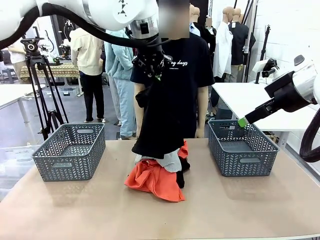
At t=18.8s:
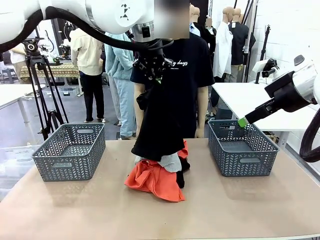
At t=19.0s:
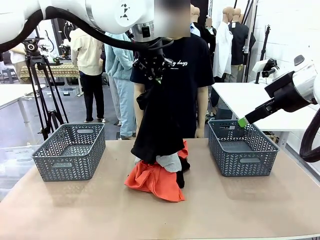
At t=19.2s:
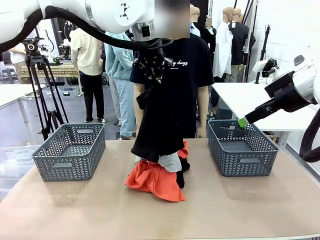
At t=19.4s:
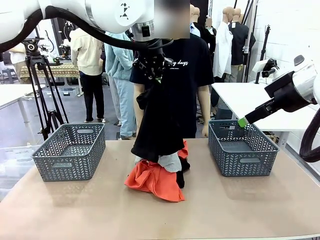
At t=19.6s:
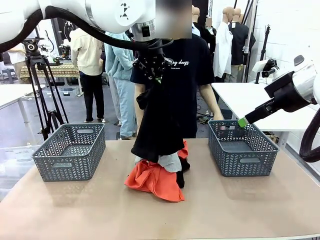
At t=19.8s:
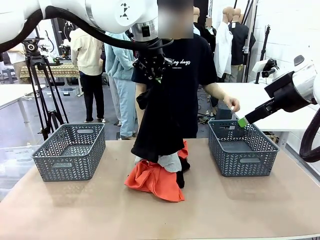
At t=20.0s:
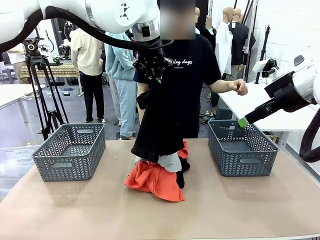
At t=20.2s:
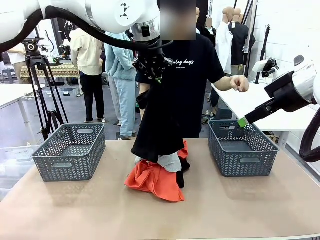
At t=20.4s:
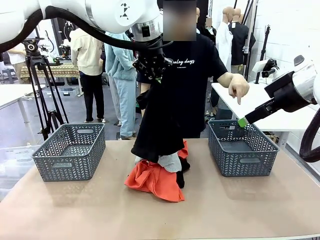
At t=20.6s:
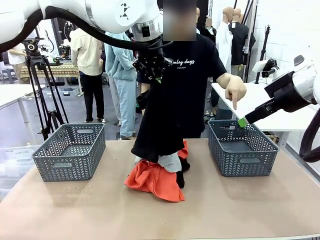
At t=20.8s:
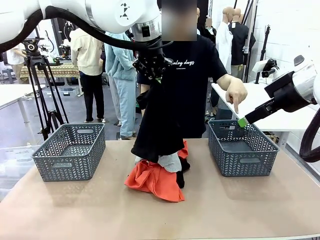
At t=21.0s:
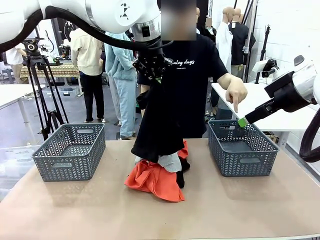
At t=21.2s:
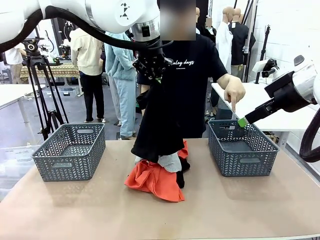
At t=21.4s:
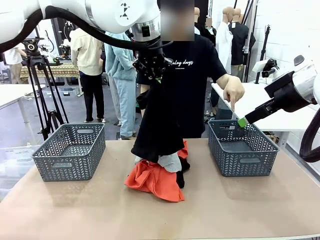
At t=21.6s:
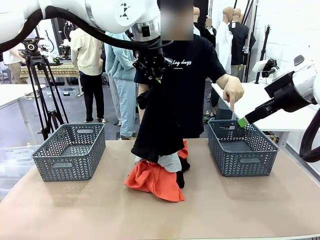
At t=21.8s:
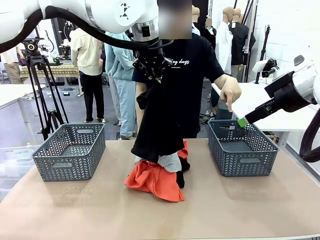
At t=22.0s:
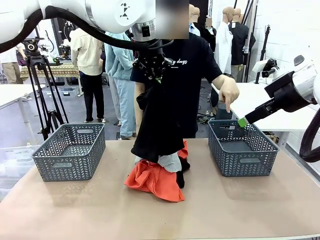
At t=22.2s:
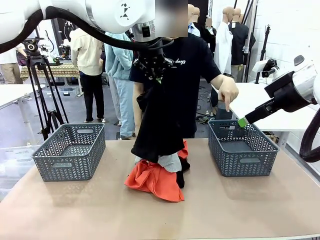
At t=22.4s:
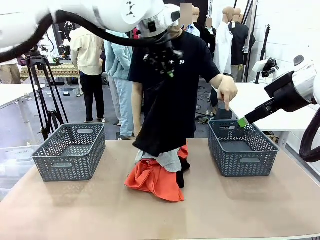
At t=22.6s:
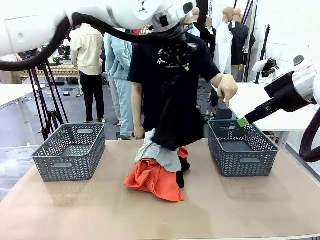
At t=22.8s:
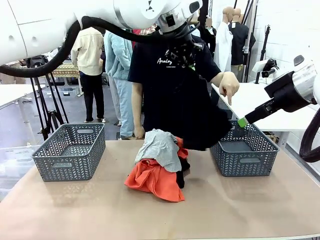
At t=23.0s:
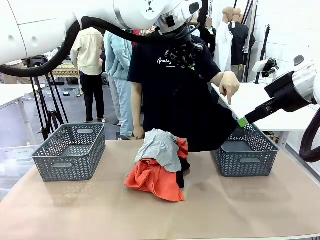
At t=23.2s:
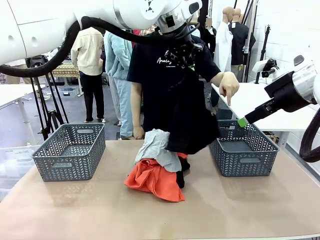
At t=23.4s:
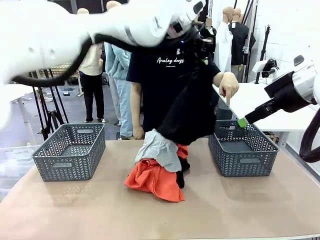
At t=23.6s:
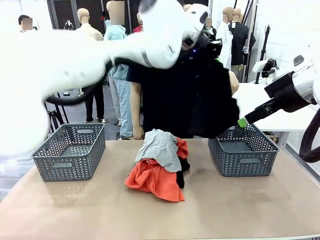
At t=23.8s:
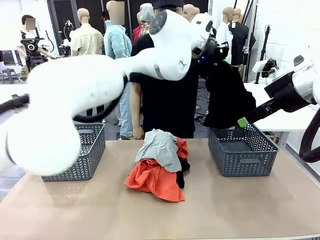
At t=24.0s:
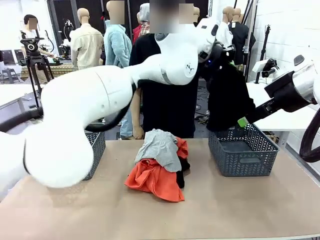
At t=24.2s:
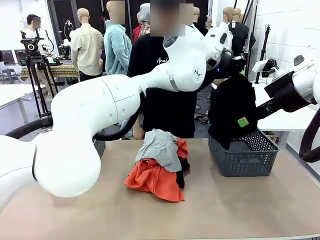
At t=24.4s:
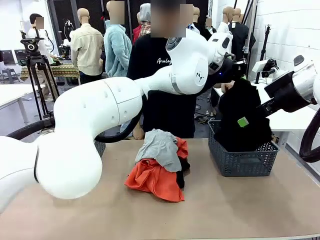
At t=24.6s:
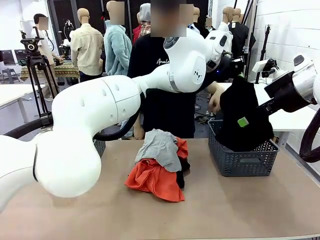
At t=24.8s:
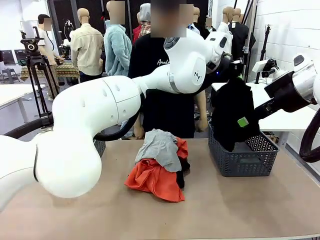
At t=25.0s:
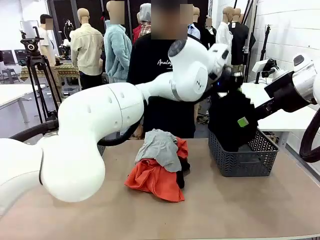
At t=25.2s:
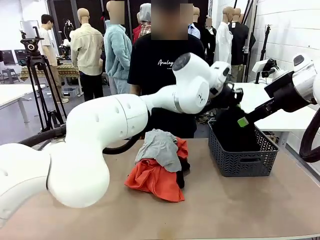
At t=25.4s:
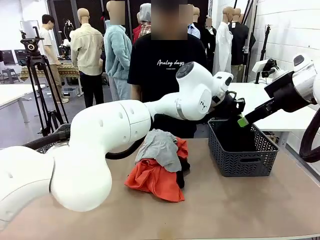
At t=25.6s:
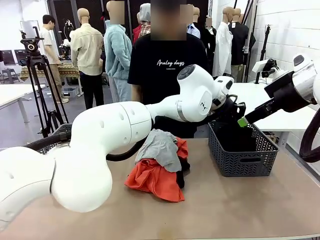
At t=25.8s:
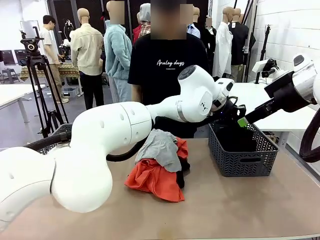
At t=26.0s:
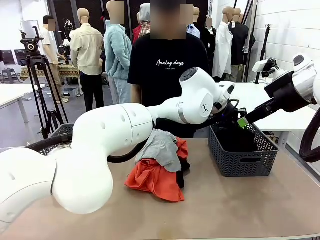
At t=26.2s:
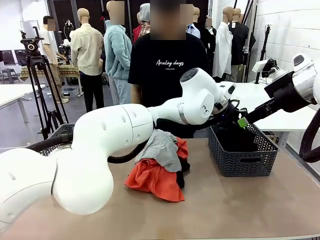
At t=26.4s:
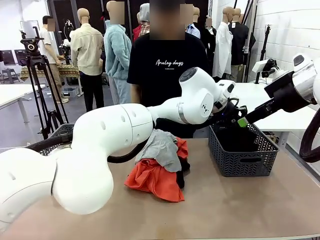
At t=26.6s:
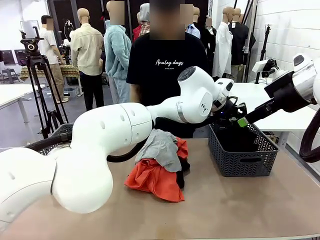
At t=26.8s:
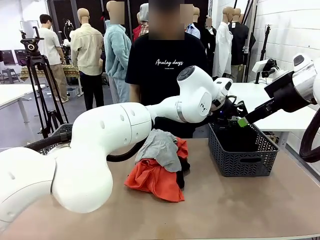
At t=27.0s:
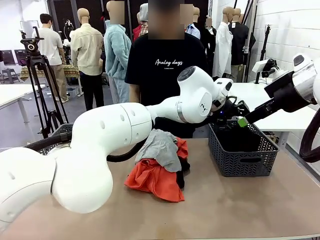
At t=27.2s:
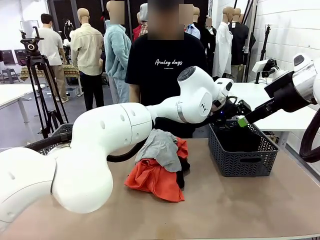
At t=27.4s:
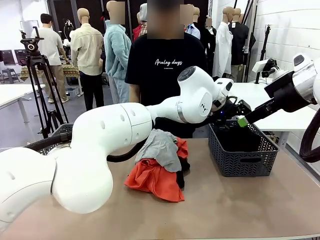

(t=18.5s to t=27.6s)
Task: Sort the tops and bottoms.
Robot: Sort the clothes according to human instructions.

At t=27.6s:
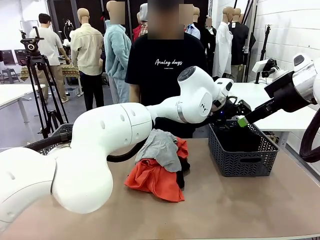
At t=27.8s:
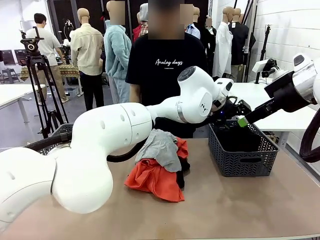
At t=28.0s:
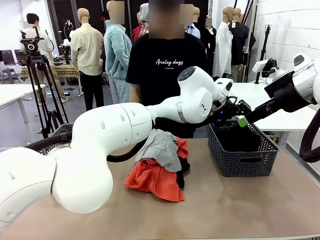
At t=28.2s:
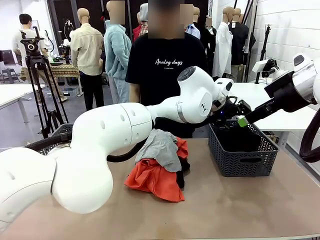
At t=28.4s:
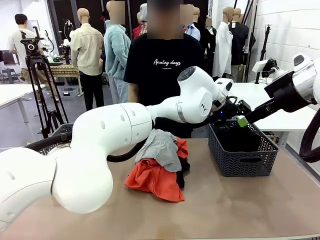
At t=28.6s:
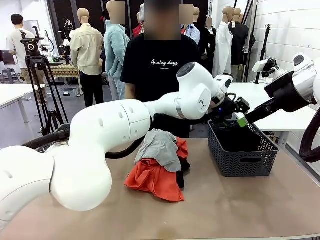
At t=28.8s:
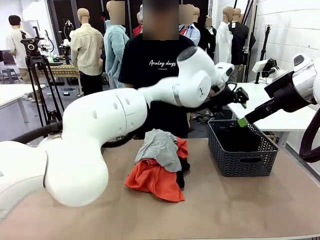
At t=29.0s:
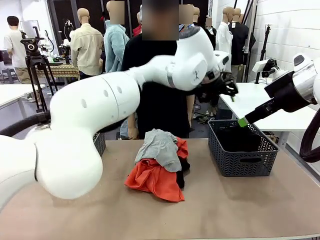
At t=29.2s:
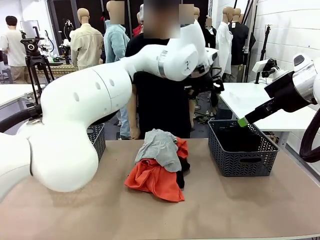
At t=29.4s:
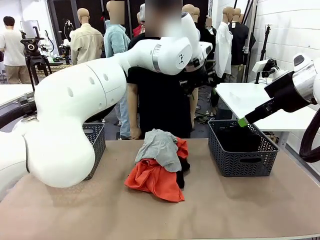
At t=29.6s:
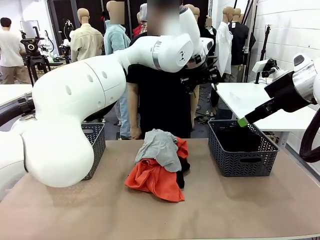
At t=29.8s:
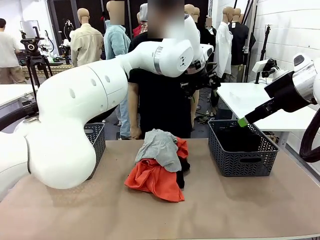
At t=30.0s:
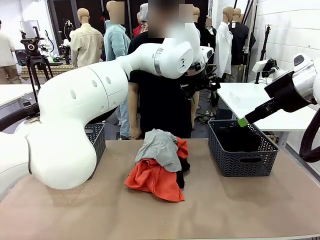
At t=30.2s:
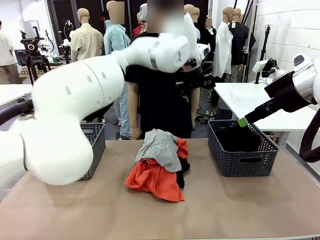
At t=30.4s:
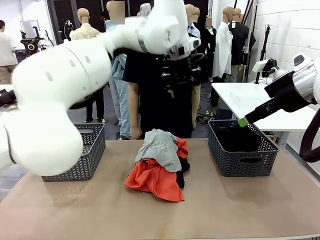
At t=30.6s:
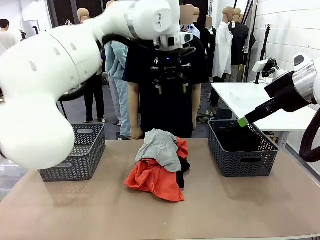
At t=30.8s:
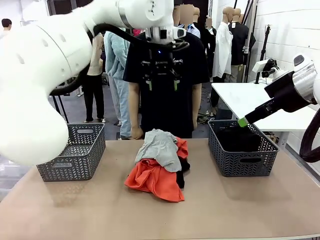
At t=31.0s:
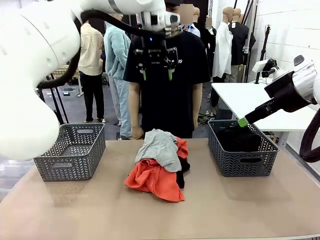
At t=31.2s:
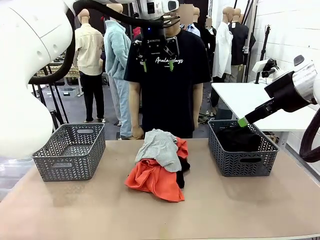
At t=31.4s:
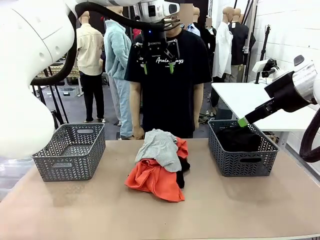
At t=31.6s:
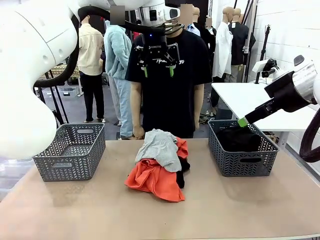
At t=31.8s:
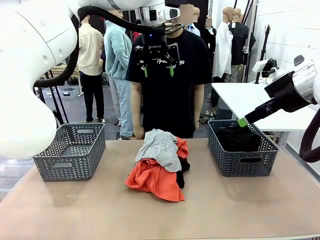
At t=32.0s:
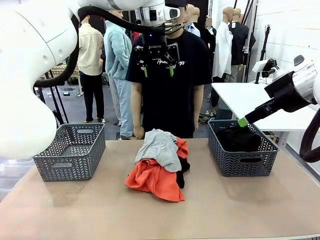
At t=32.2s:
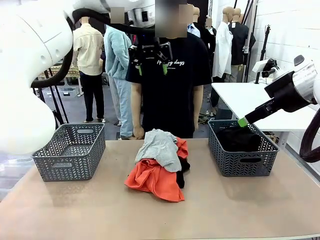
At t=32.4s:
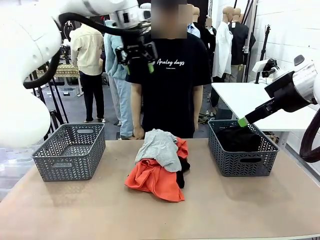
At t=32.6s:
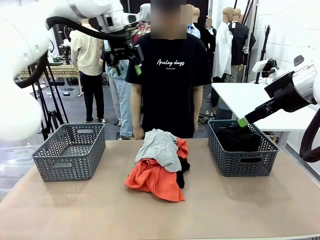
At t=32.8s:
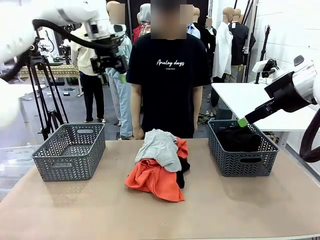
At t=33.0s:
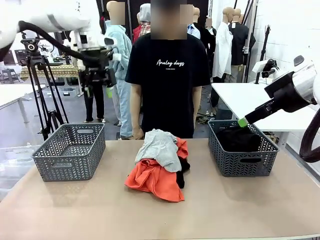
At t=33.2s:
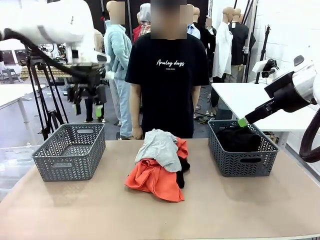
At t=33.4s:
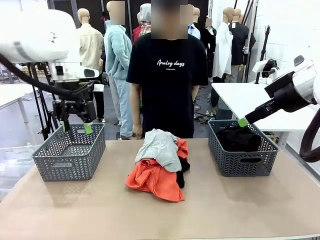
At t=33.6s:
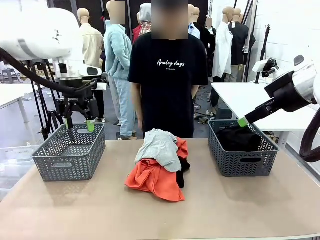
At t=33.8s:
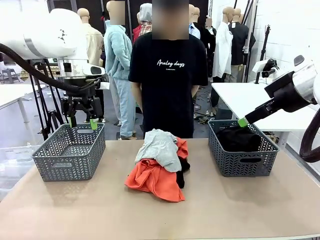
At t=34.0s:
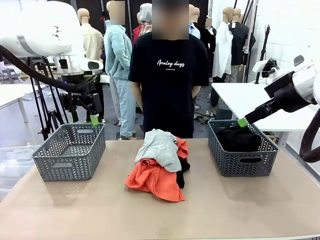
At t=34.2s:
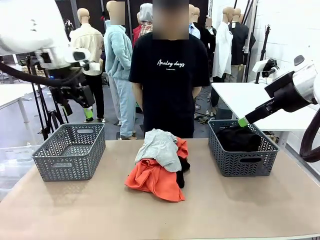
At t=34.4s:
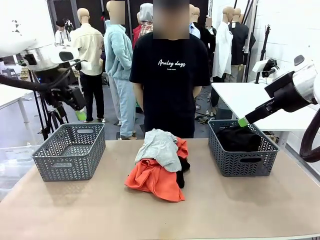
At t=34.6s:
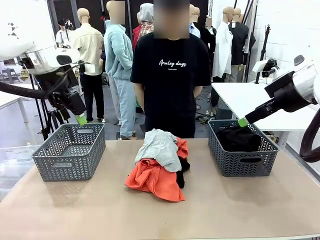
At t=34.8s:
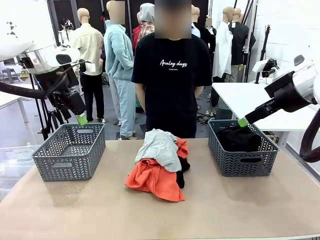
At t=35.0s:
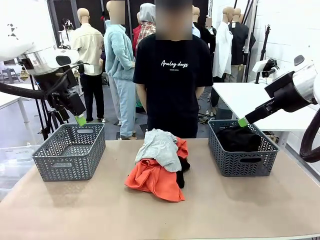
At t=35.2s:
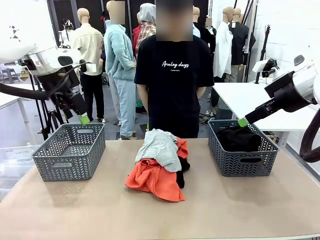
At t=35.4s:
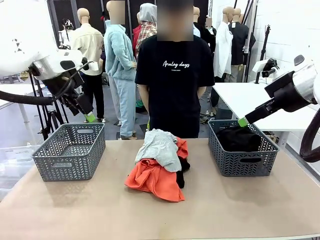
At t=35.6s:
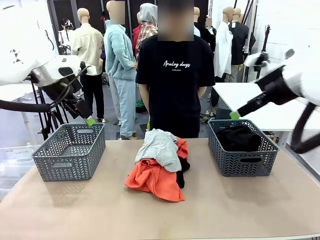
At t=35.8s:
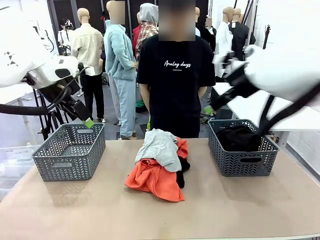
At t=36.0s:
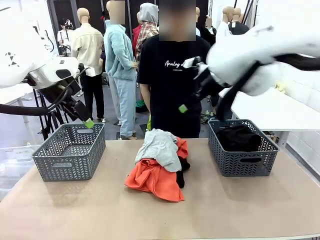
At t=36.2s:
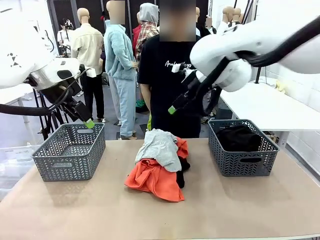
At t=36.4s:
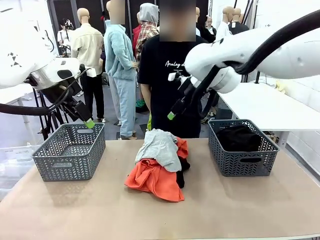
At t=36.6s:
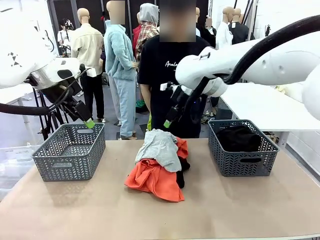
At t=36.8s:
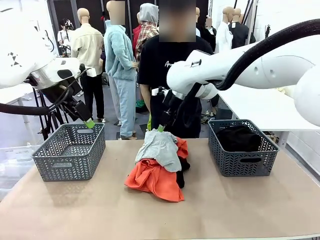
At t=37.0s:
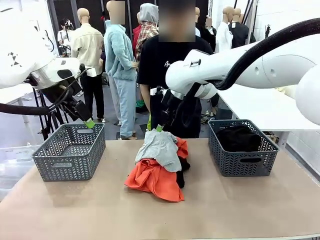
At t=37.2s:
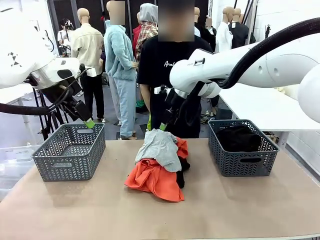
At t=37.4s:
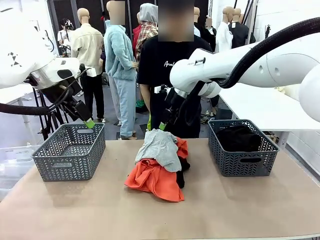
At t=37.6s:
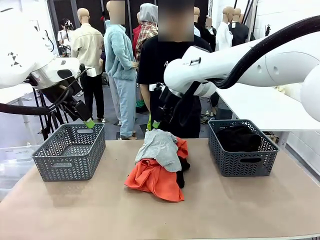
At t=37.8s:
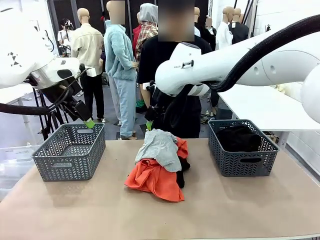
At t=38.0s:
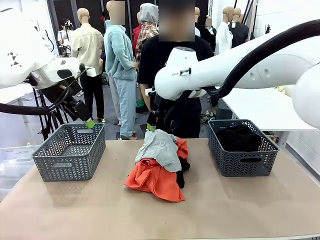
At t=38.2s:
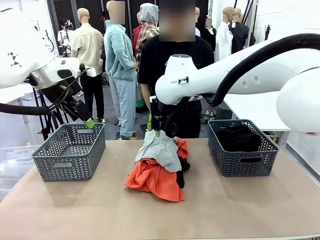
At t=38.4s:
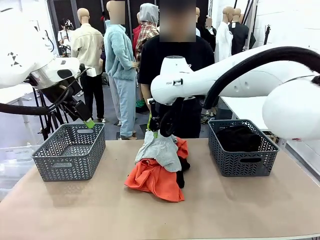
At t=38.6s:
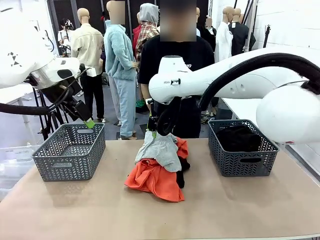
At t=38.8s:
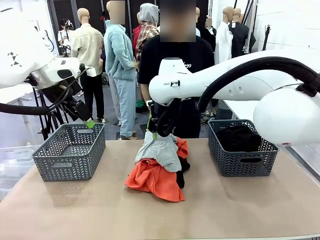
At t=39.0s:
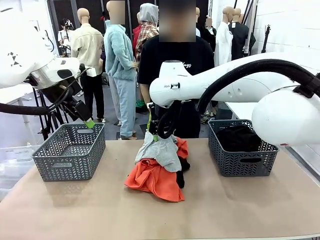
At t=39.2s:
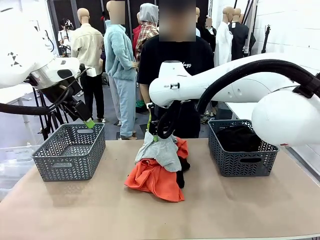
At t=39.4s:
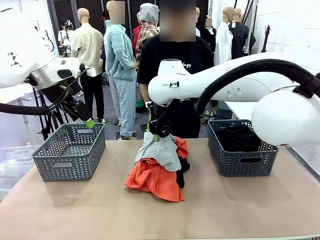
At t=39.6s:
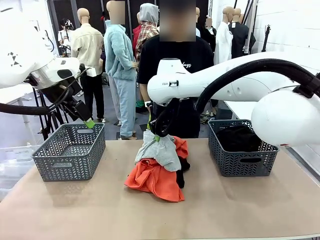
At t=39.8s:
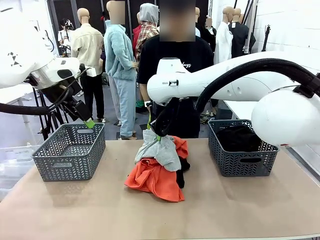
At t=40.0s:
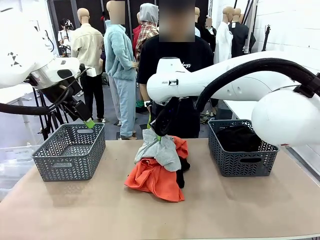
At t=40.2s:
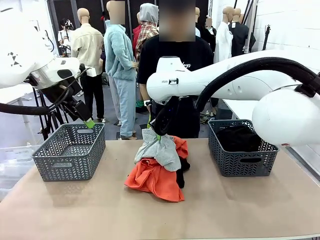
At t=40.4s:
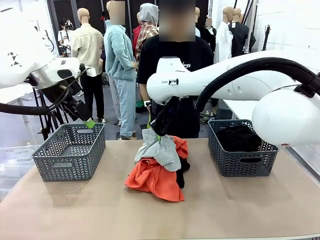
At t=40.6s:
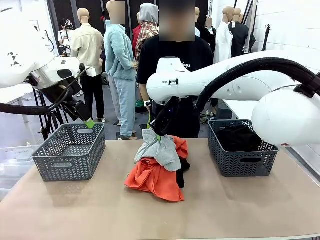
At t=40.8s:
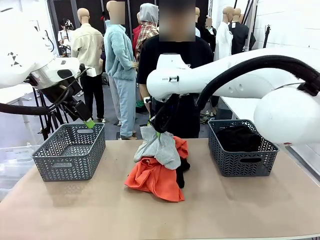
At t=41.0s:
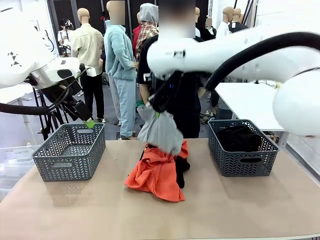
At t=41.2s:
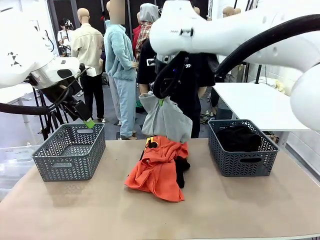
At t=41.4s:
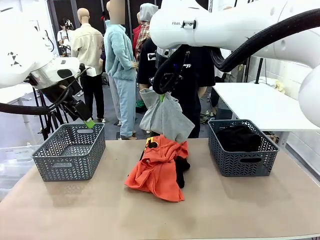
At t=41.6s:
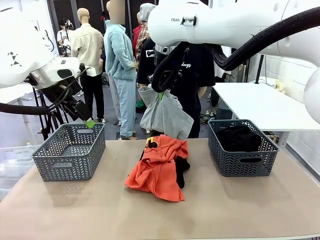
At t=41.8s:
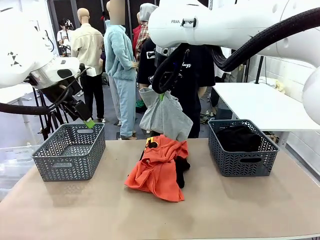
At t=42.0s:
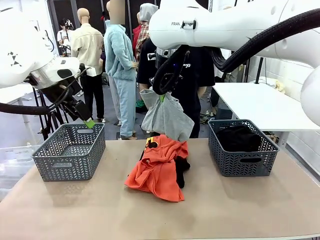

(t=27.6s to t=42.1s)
Robot: Lift clothes from the center of the table with your right hand.
